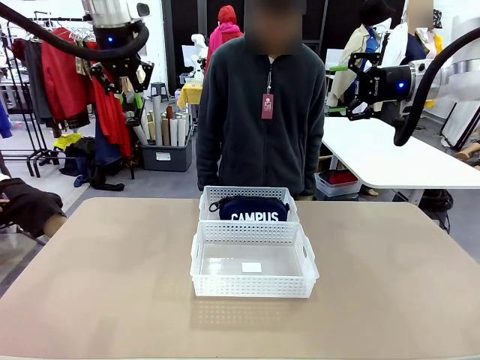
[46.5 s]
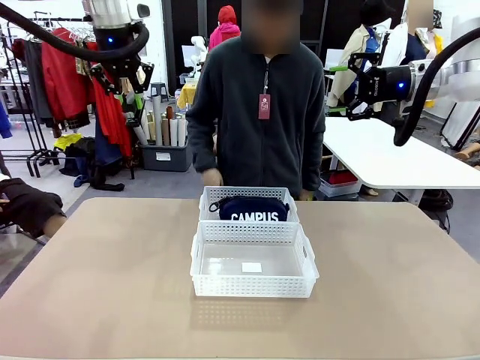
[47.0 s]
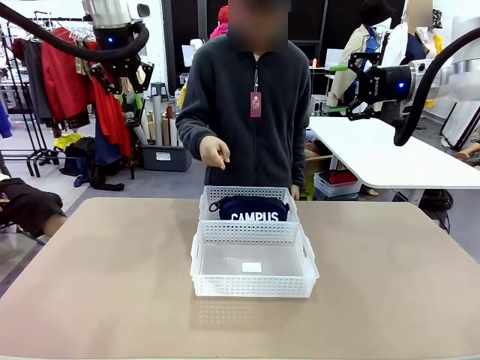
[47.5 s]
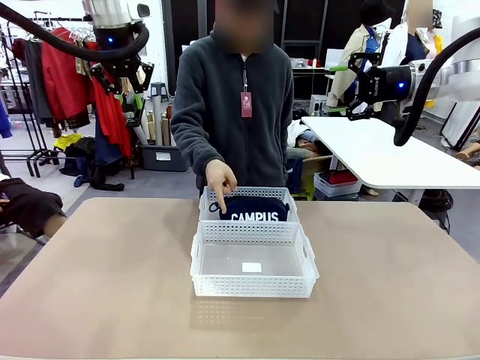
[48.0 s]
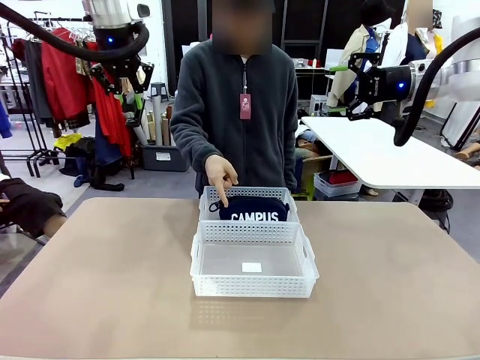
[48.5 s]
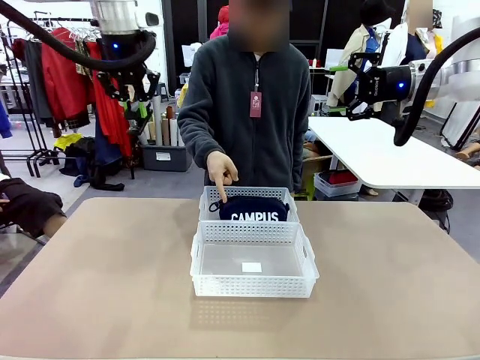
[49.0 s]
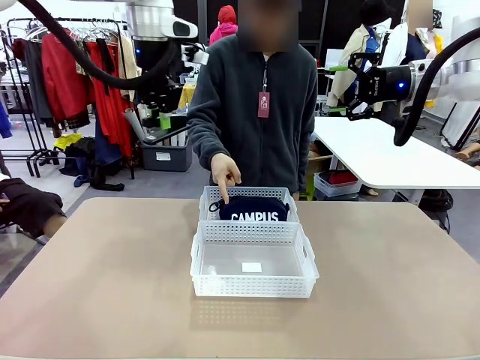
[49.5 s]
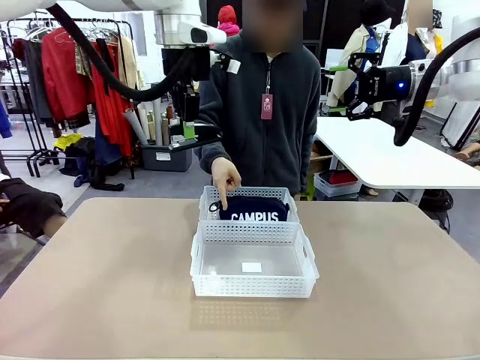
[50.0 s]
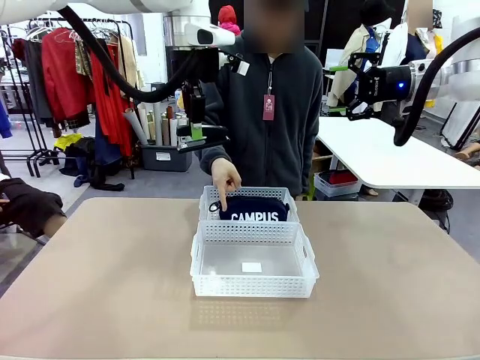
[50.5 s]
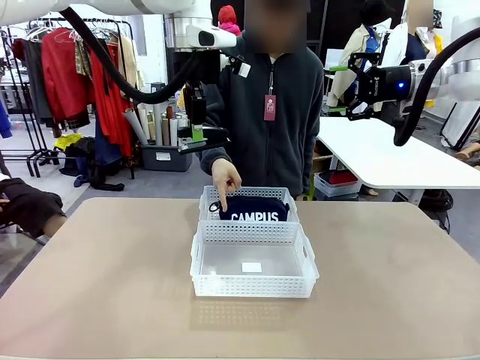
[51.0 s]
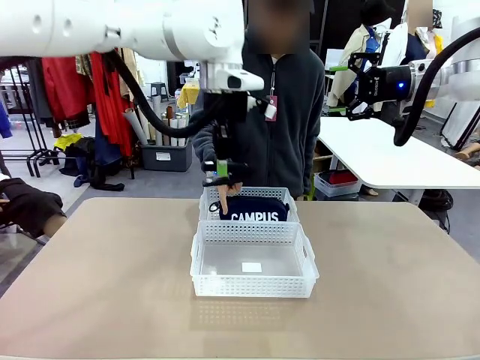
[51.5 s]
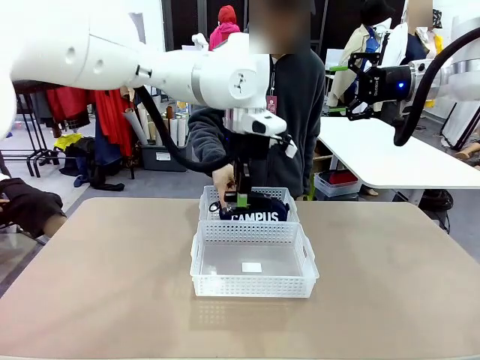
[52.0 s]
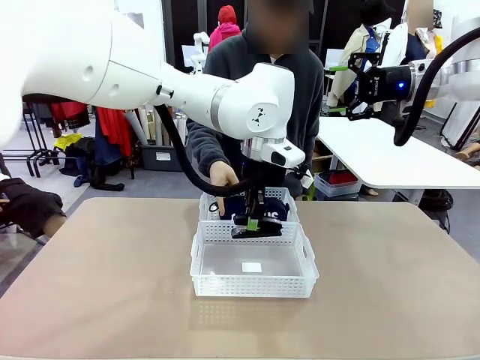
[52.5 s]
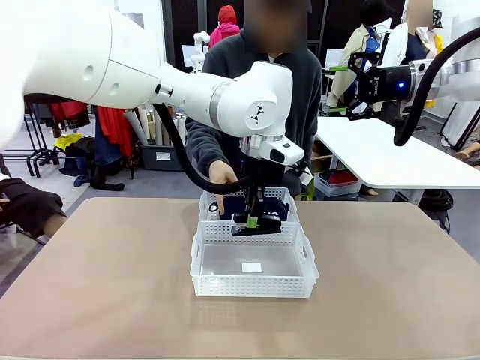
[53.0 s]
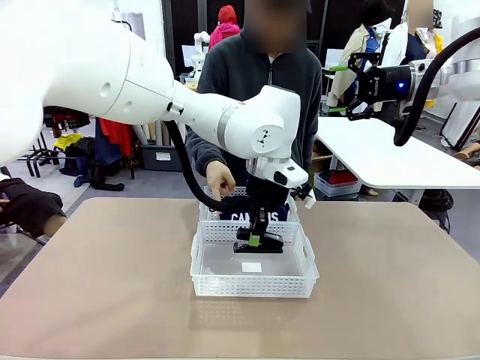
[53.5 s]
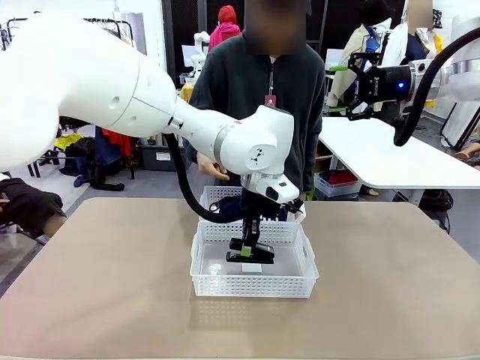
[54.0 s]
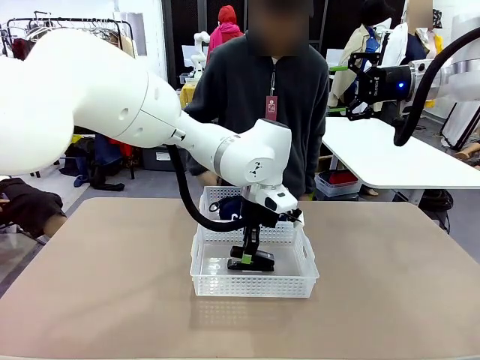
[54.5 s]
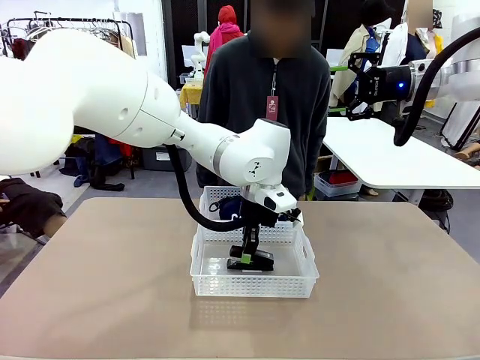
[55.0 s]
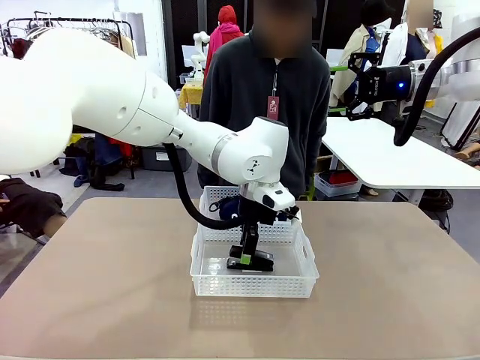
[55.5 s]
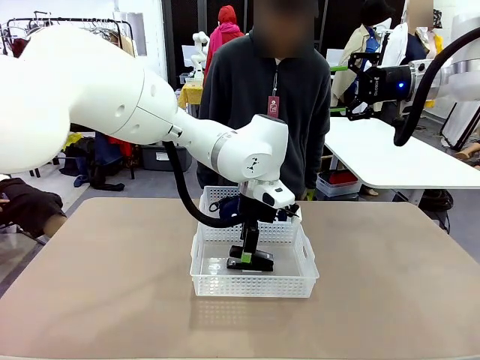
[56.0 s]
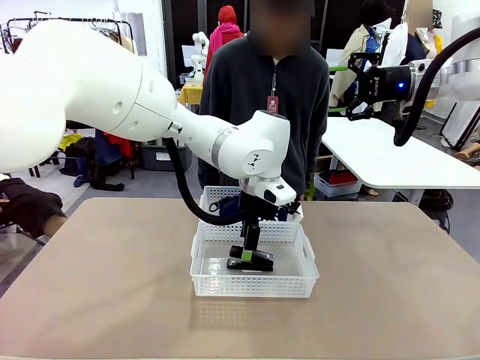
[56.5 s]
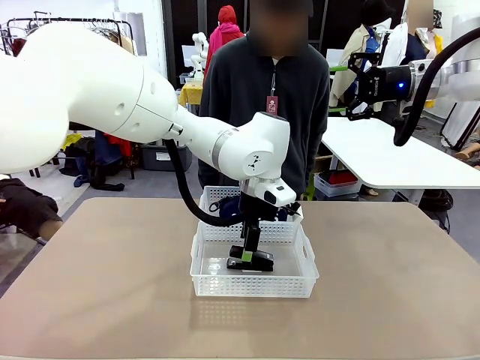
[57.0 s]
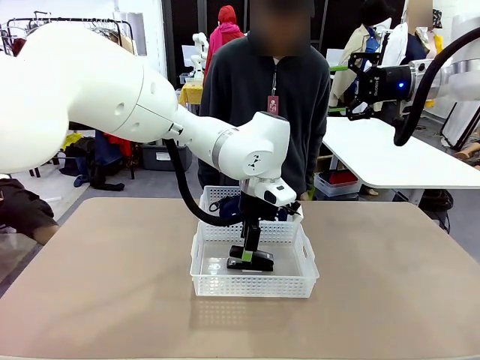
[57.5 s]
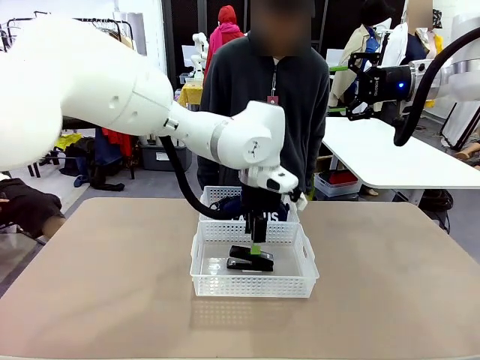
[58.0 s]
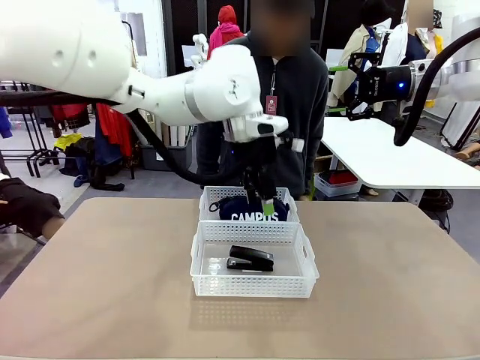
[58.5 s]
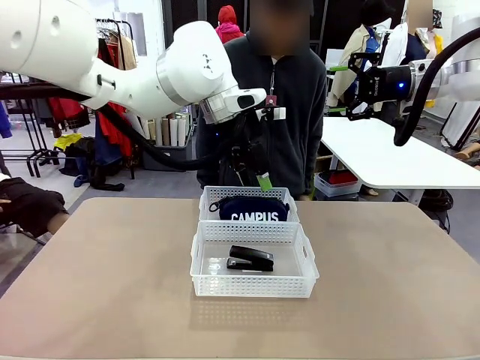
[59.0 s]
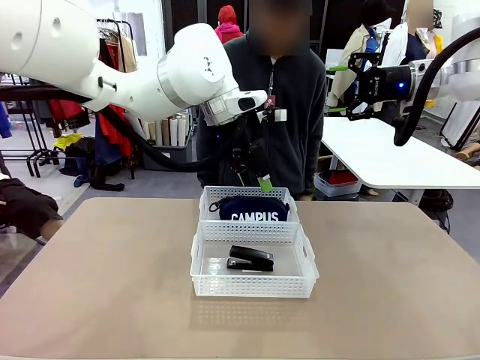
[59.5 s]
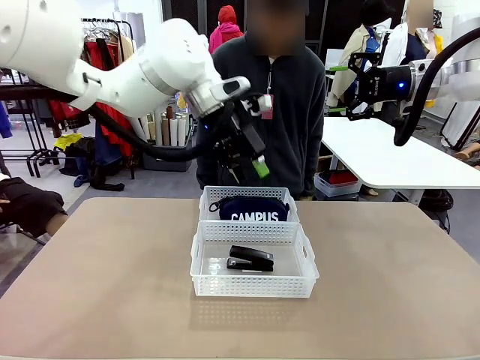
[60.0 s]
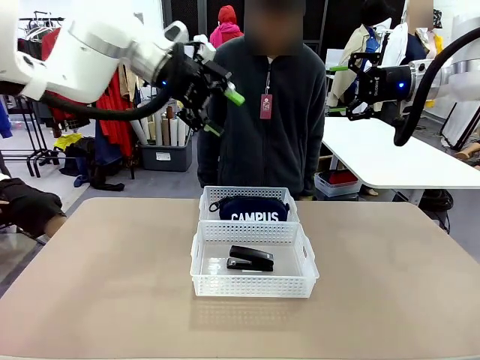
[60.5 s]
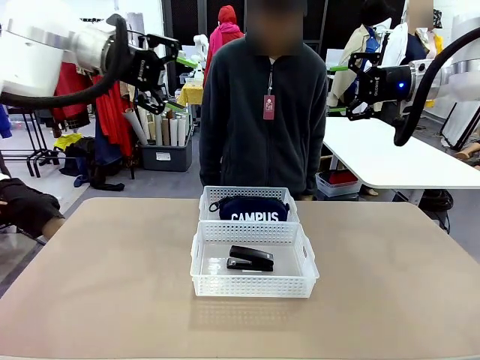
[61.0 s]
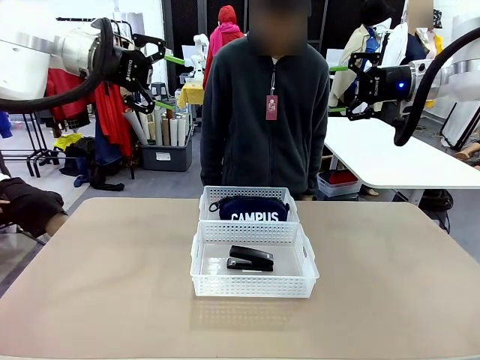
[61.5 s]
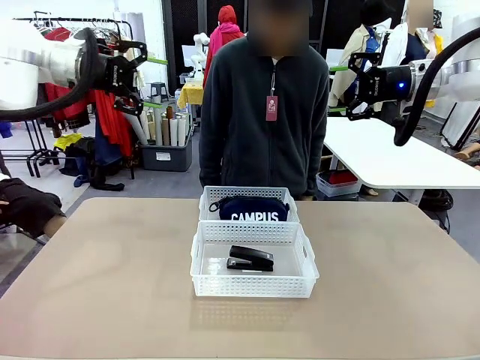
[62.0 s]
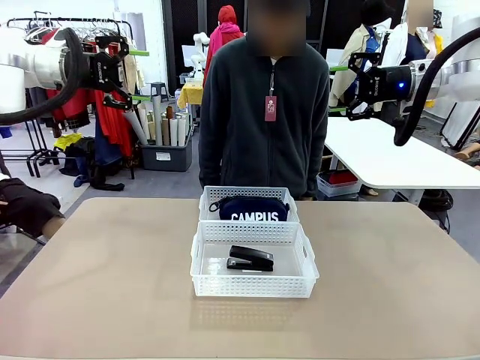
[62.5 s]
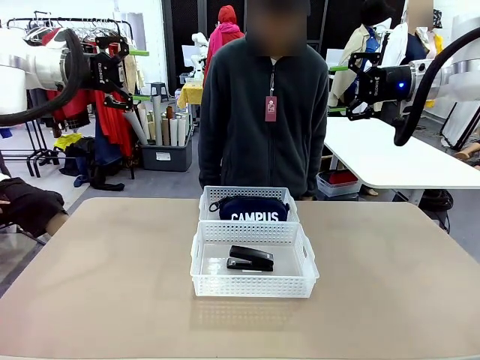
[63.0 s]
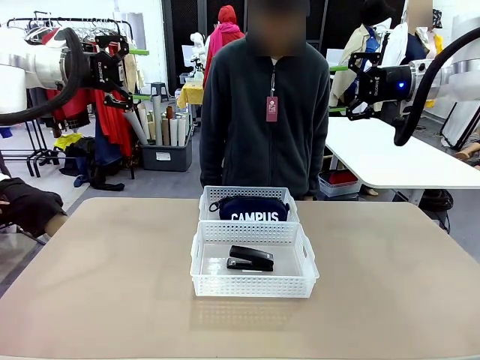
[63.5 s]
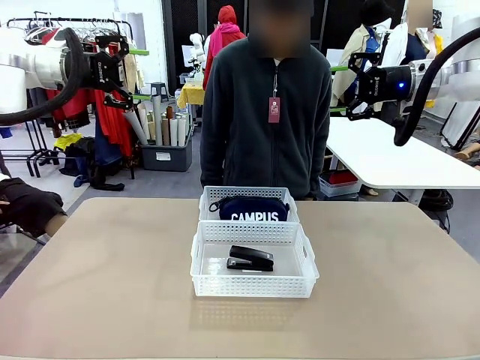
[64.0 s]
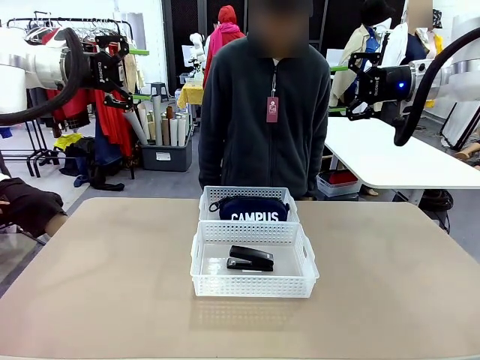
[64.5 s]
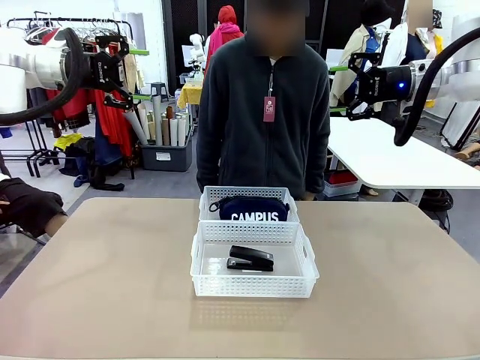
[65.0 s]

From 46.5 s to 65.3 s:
Task: Distribute items into two baskets.
Robot: Place the picked Stapler into the Organizing basket as instructed by the person.
Person: Points to the basket that does not contain the pencil case and instructs the robot to move the stapler there.

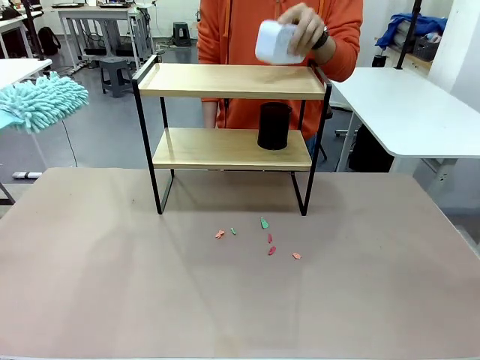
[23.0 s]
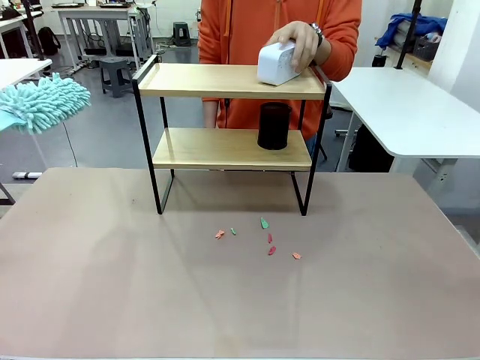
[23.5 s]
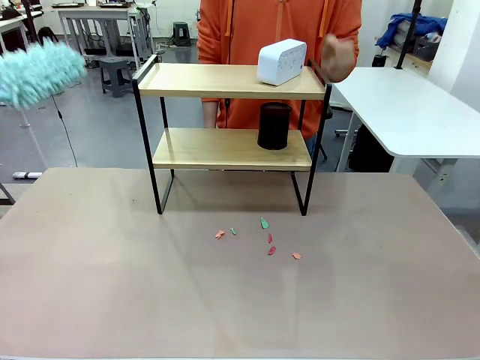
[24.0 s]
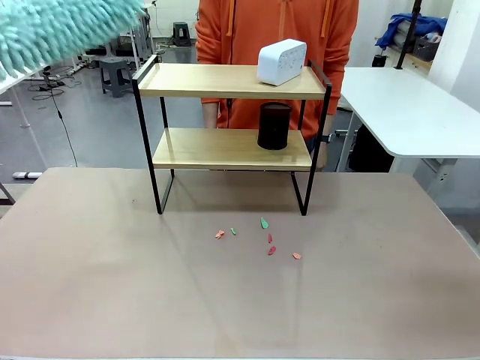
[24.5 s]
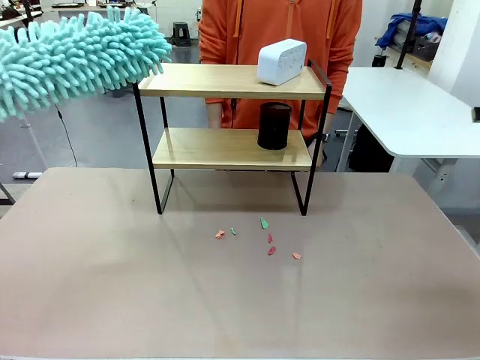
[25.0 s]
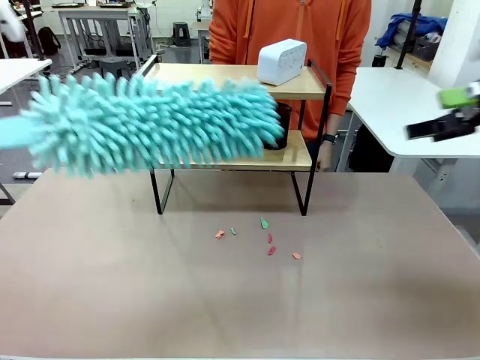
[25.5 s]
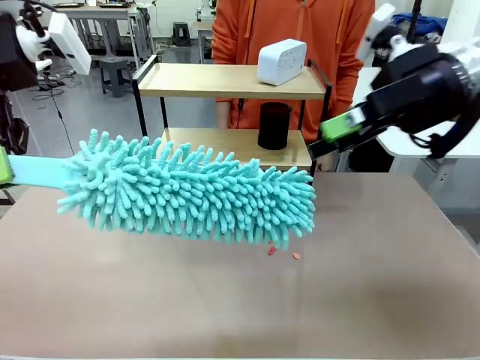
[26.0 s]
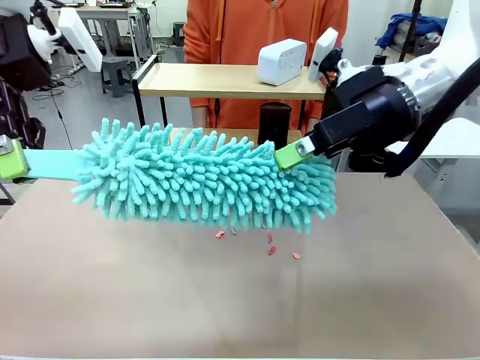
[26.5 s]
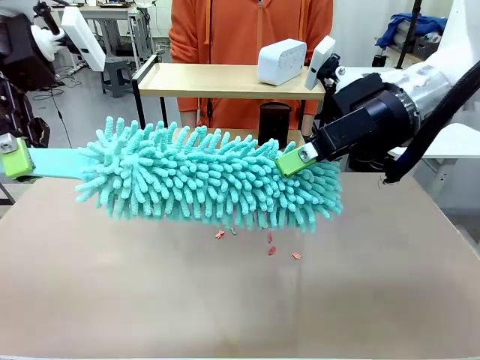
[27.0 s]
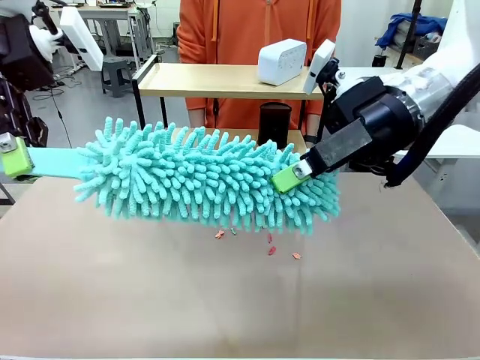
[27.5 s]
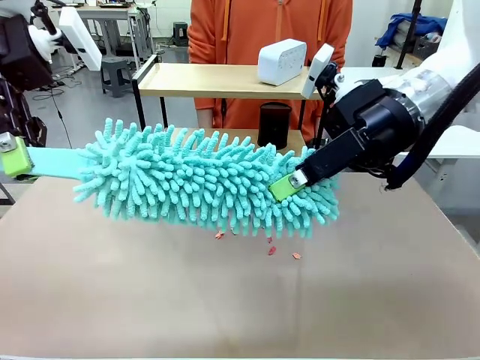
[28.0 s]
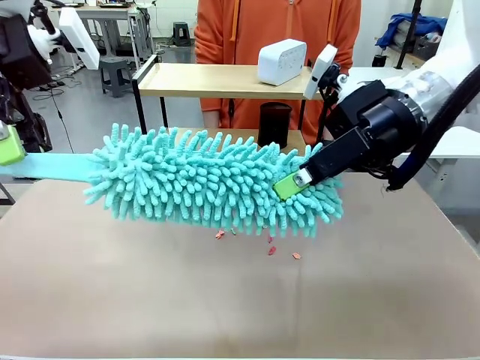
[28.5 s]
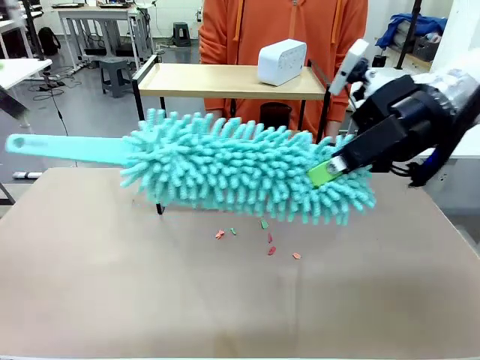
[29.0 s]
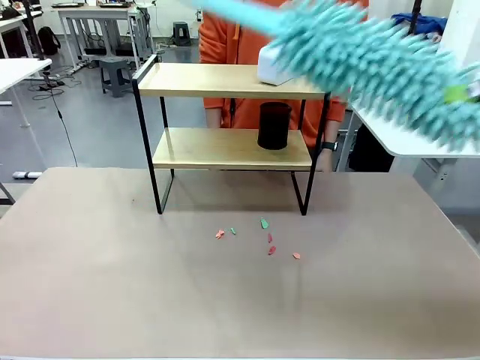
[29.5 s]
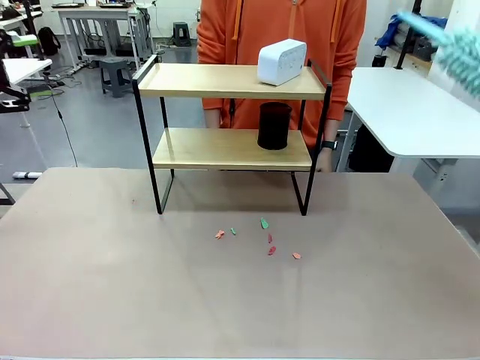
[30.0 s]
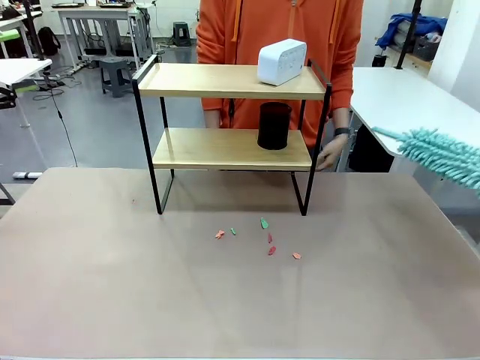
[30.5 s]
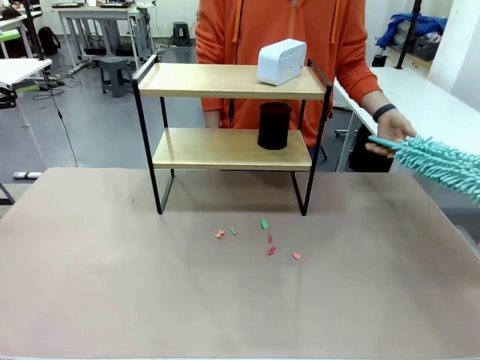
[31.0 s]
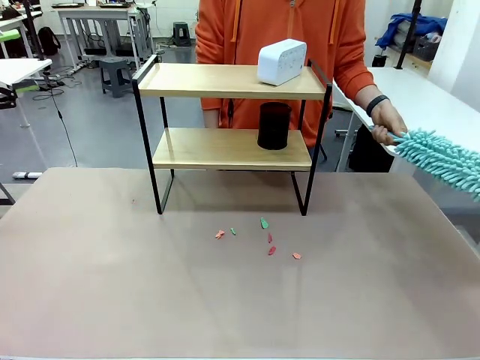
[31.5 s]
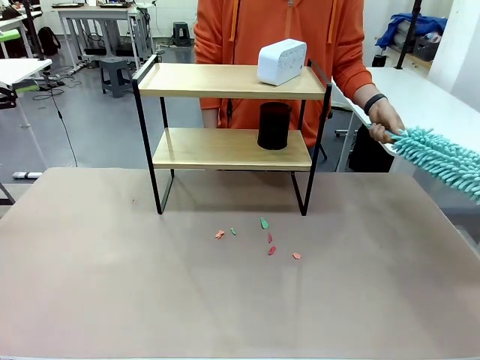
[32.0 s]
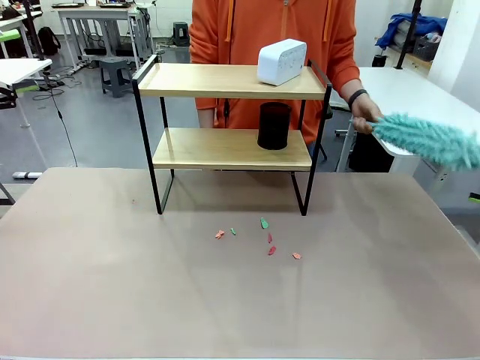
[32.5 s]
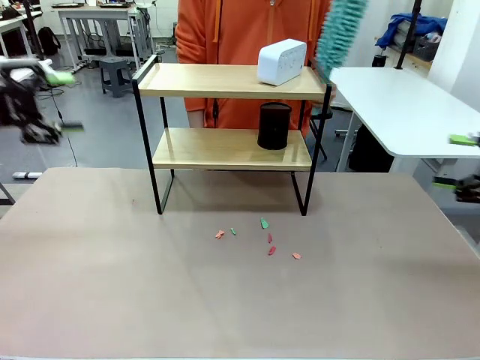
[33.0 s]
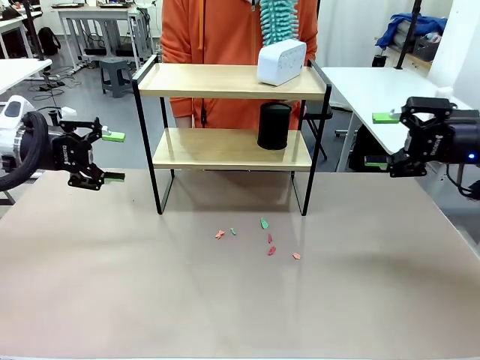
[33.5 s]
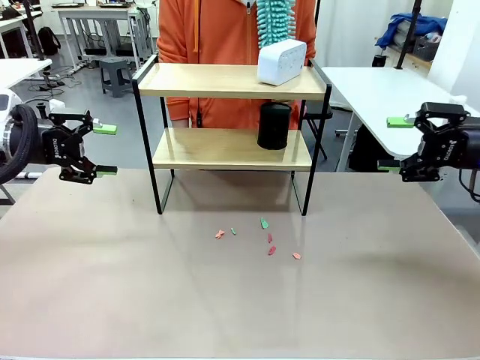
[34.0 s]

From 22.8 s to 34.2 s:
Task: Clean the shelf.
Robot: Hand the Duster back to the human.
Person: Receive the Duster from the robot.
